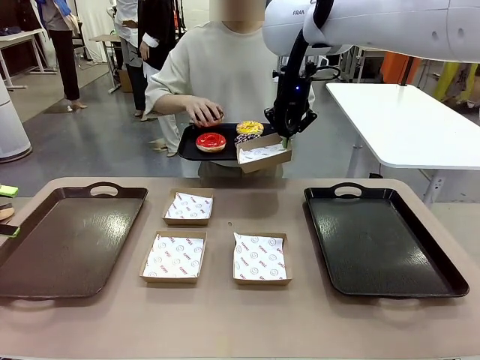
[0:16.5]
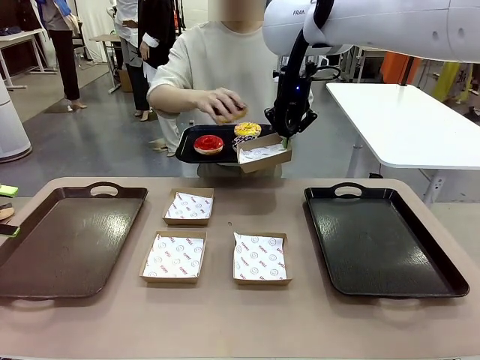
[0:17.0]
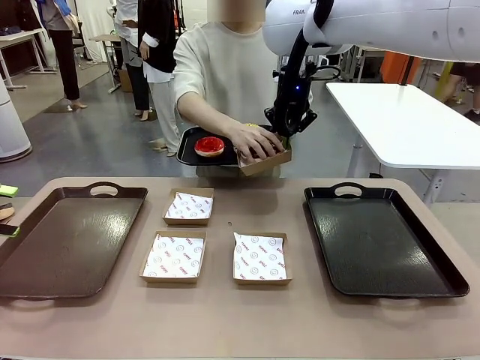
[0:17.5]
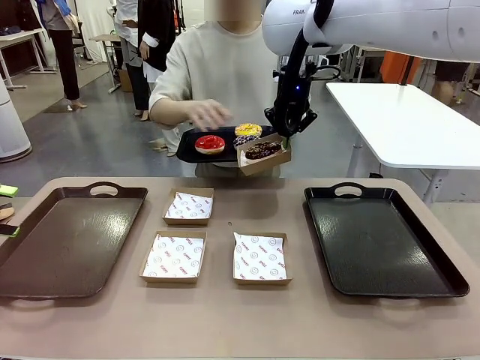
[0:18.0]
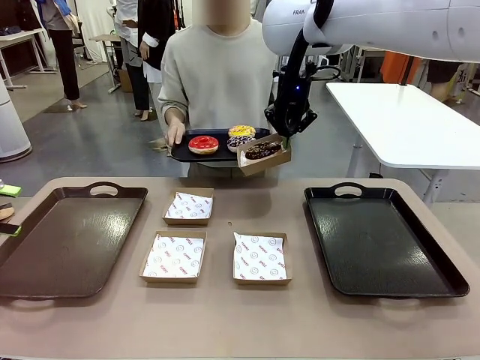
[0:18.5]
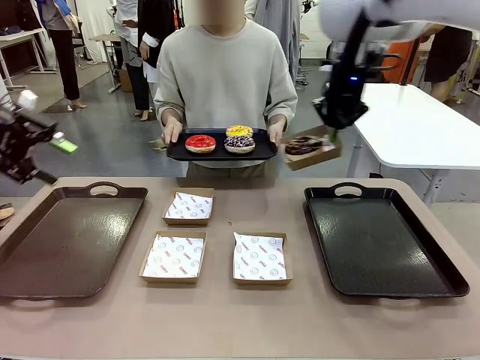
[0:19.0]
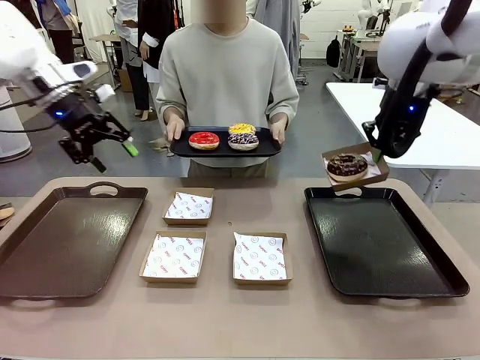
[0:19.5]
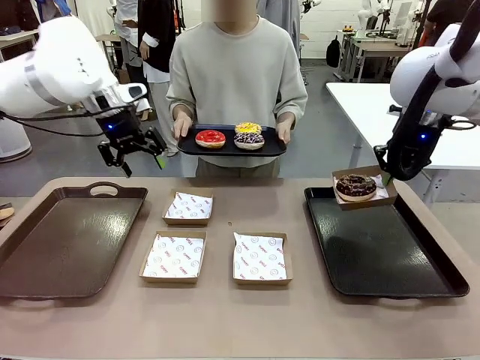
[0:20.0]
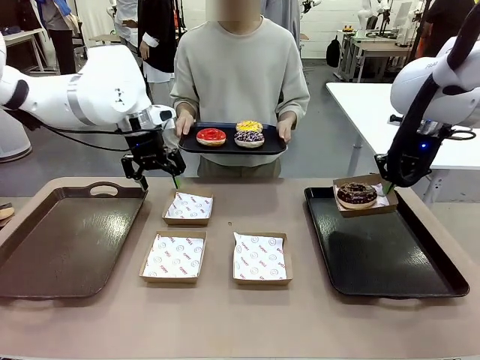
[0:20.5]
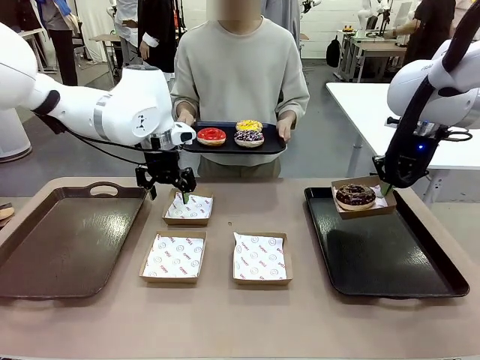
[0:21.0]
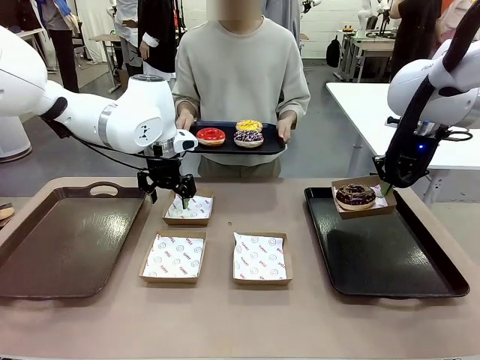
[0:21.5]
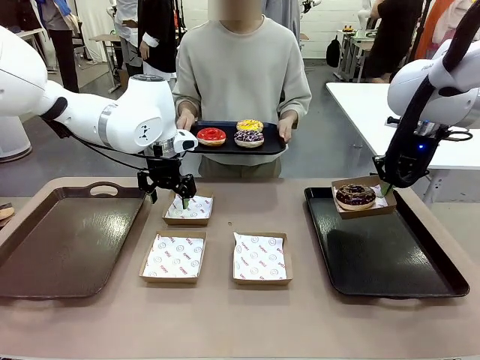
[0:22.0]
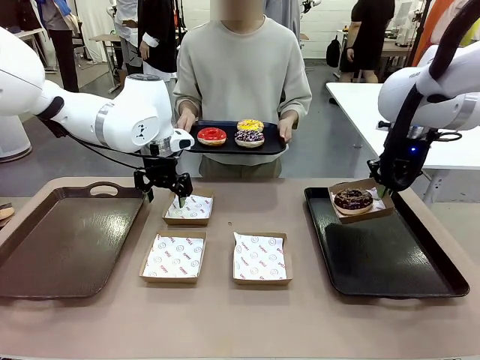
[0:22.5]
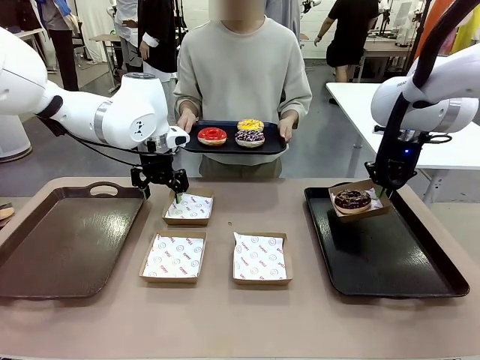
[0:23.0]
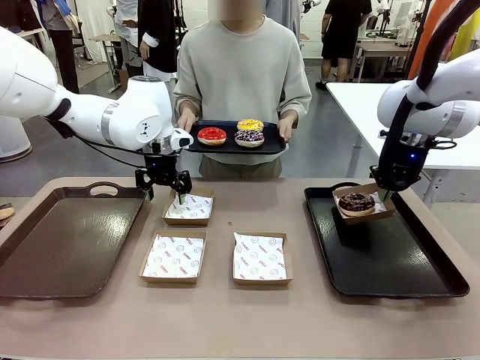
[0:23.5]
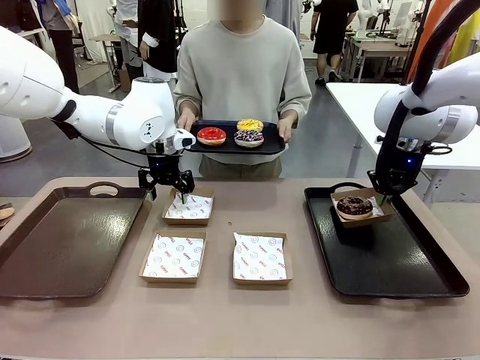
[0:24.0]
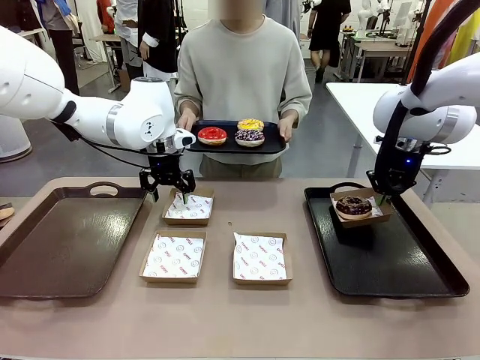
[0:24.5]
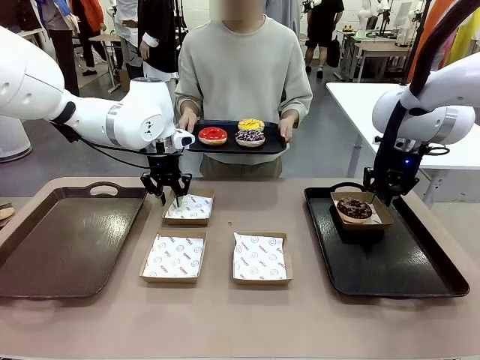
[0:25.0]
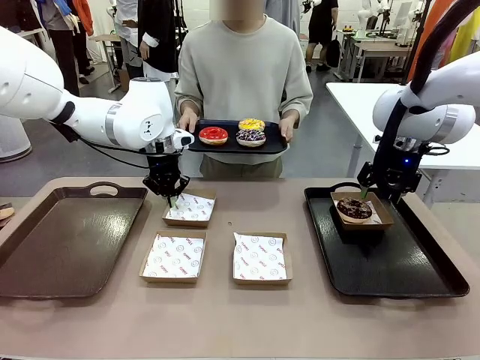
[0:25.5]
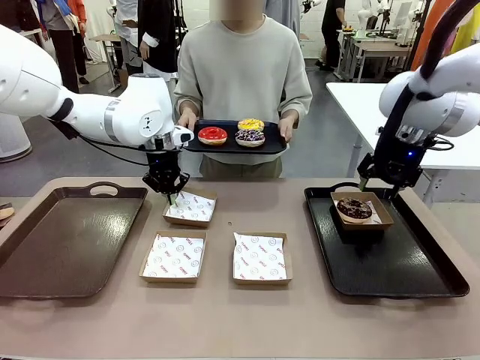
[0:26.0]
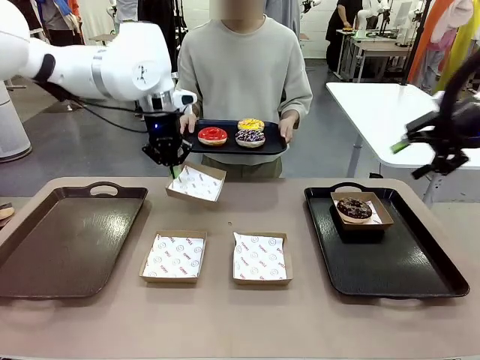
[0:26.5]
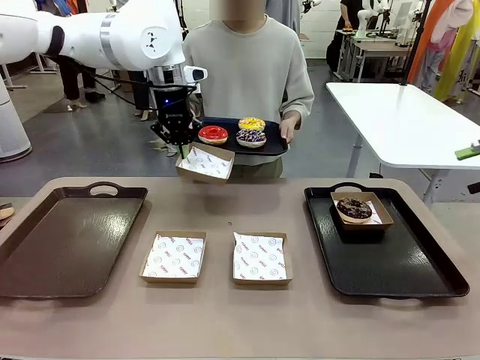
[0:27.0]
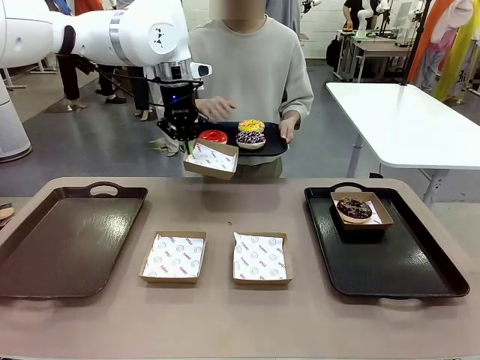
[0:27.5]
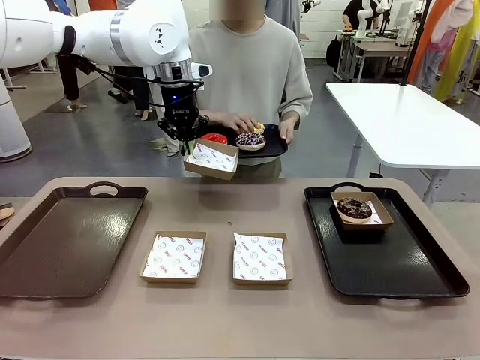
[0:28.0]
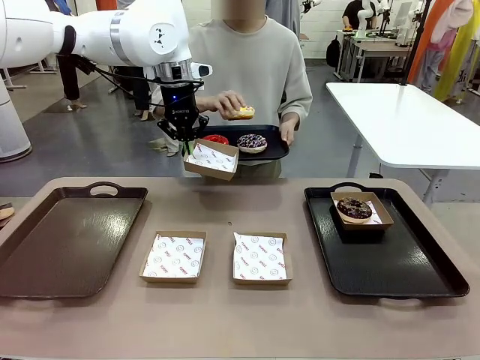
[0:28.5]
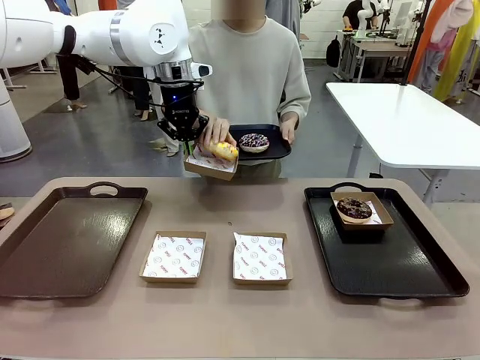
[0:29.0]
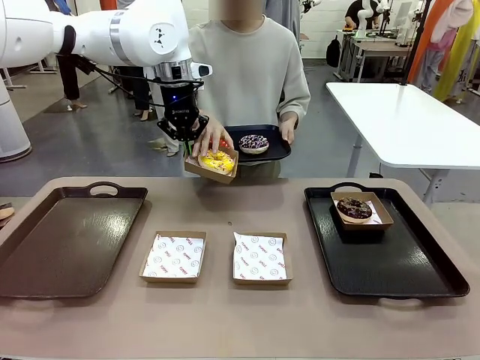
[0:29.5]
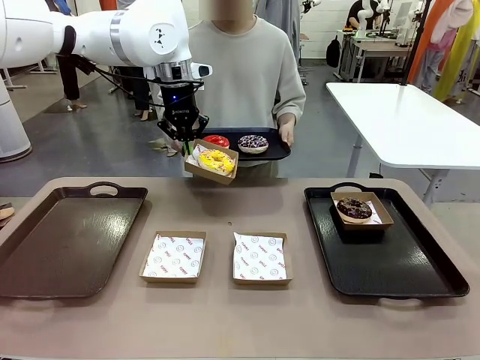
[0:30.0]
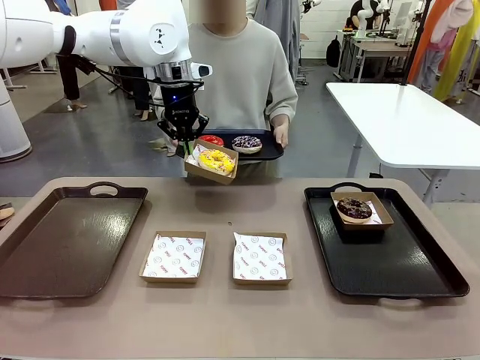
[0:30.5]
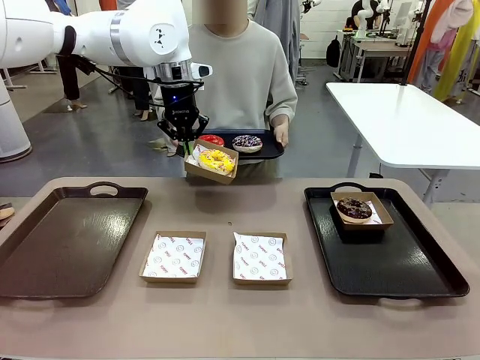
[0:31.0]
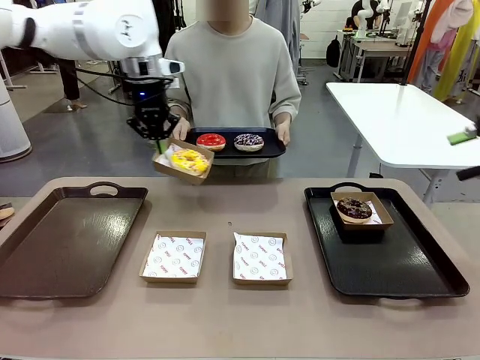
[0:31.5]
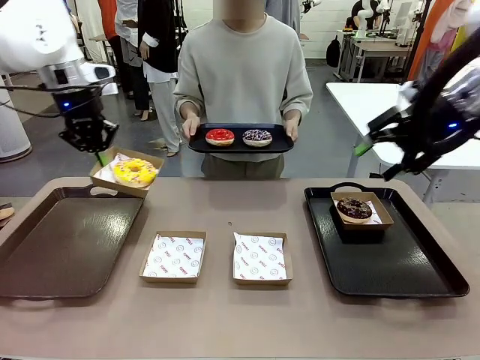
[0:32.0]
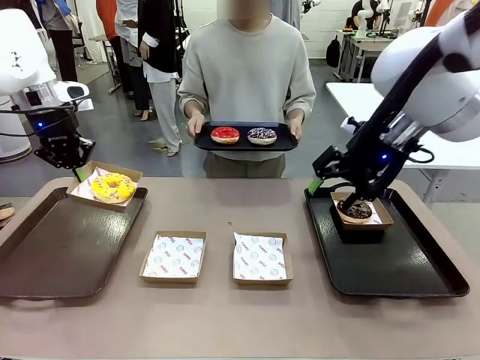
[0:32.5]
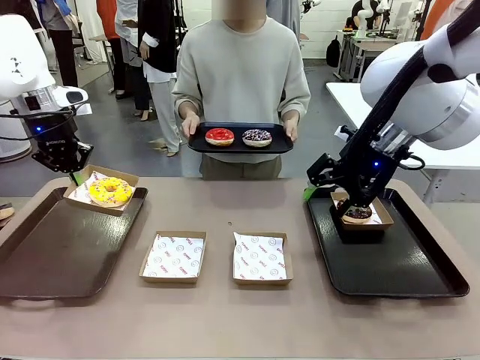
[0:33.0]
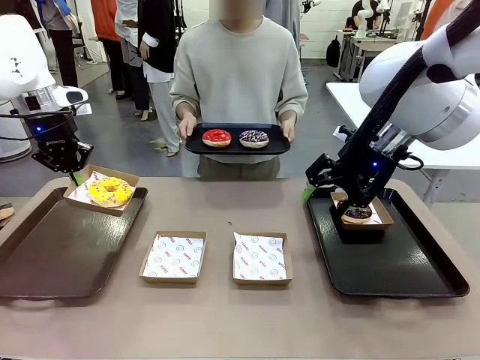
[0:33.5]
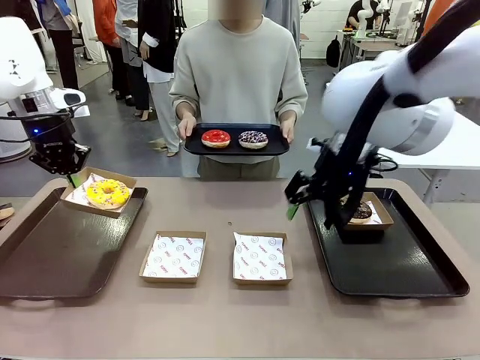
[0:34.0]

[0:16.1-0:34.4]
Task: Individually package the donuts and arrange them on the tray.
Robot: Place the picked Paper togo box on the Handle tray while simultaneously picking up another Paper togo box from the table with the other hand.

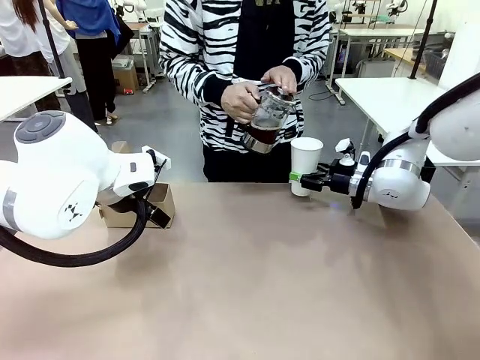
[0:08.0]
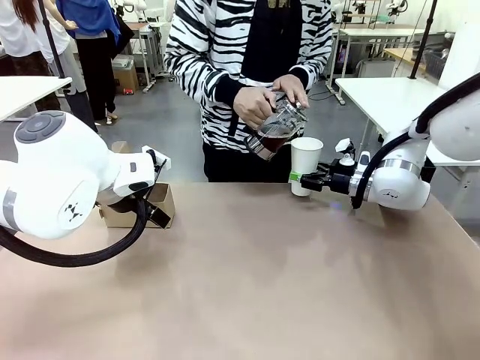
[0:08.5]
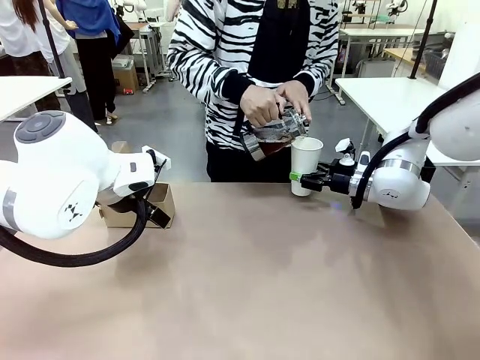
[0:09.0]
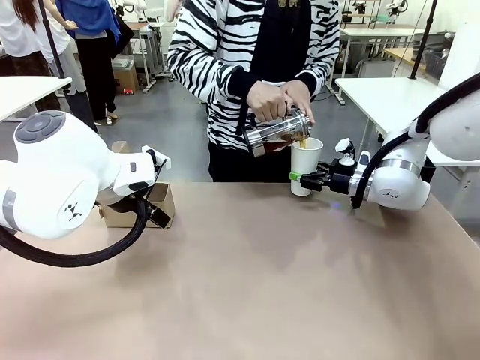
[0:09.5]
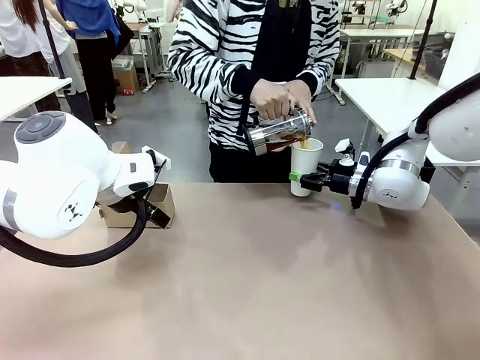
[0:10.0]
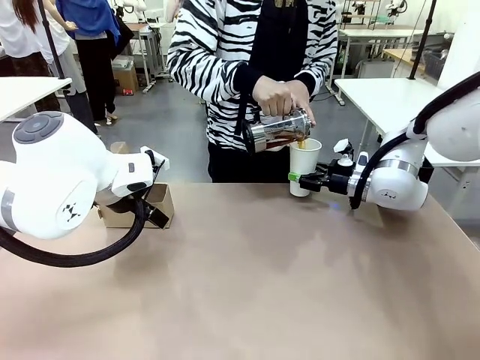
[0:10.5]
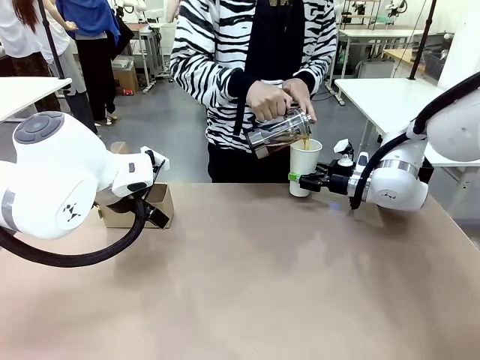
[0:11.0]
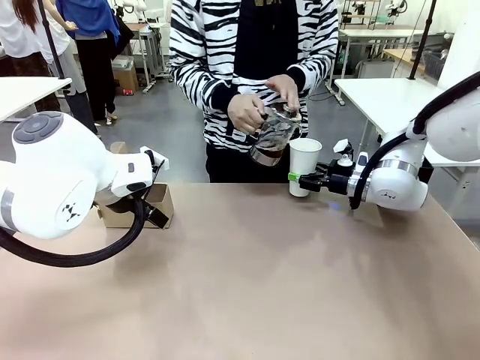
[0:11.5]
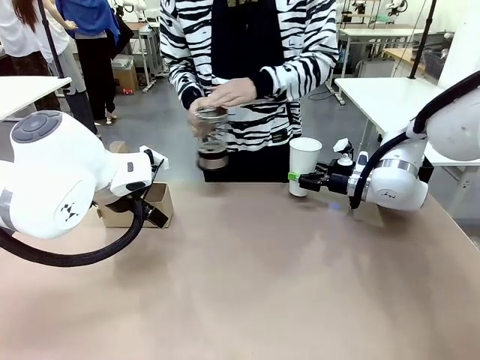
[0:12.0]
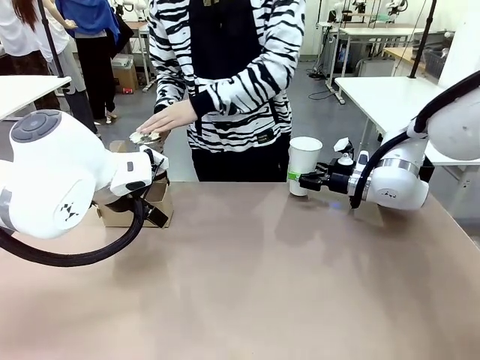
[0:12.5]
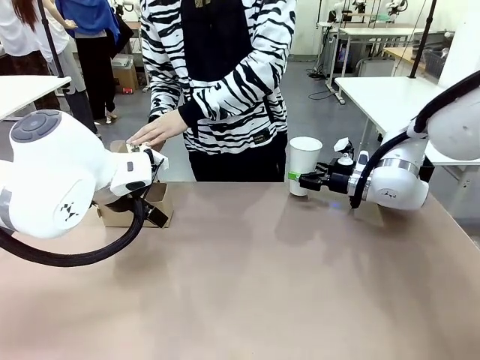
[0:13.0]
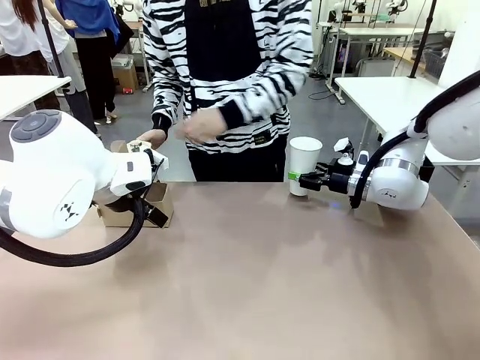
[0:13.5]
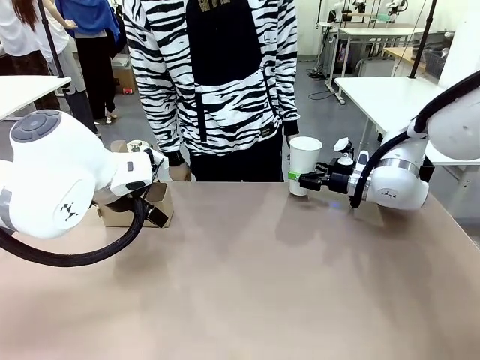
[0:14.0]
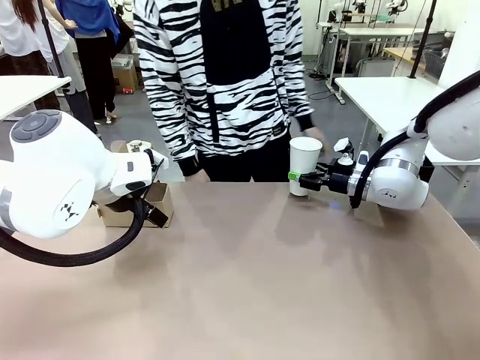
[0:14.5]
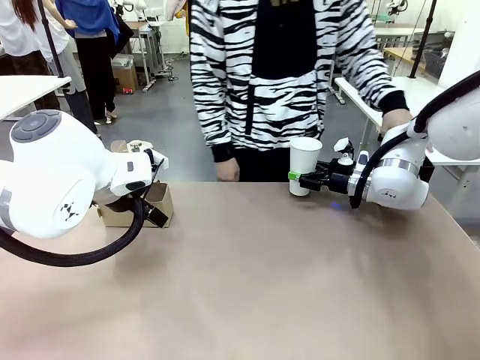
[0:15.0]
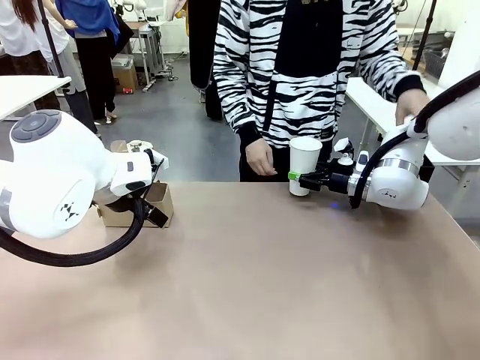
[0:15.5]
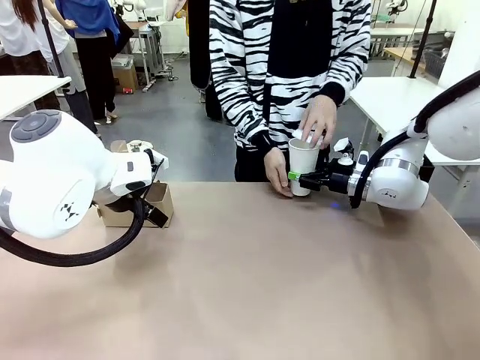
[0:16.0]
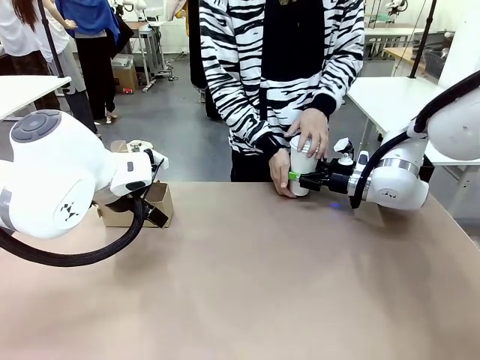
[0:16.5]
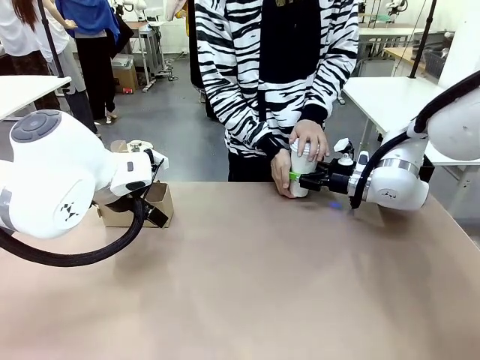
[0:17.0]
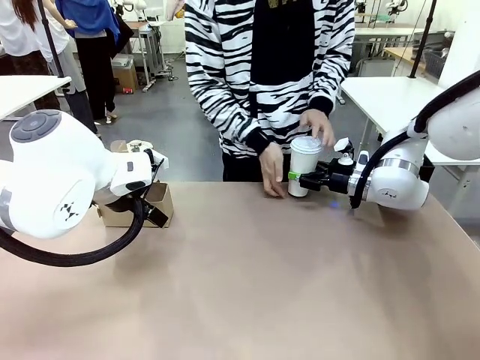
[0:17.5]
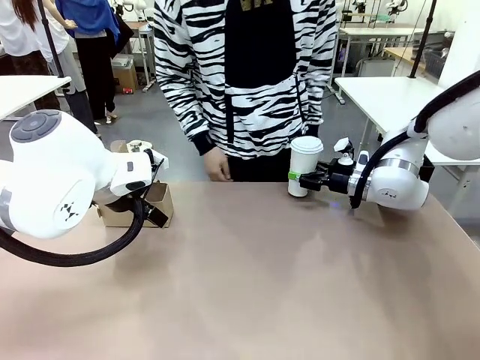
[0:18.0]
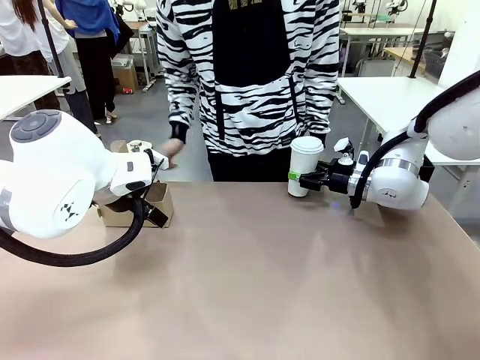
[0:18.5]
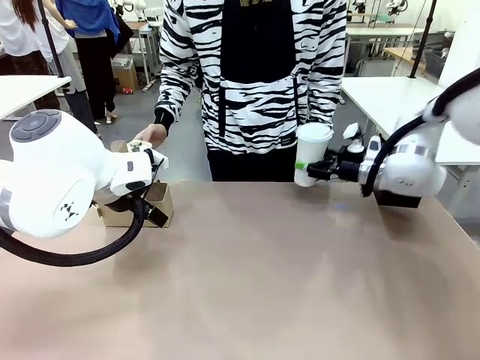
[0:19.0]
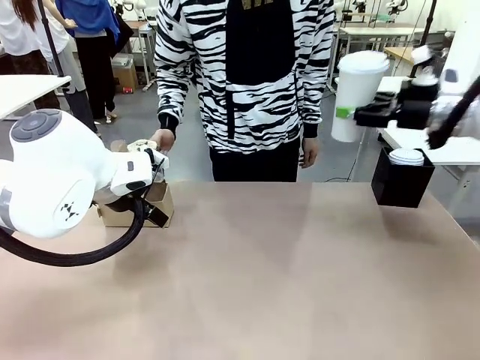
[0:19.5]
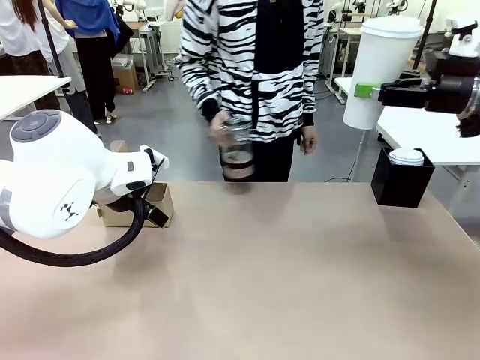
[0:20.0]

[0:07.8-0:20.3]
Task: Pour a drink into a cup and package it in a carrier.
Robot: When a person places the Paper Cup Lid on the 600 ml Paper Cup , lift the 600 ml Paper Cup.
Person: Pour the drink from the Filter Brewing into the 600 ml Paper Cup. Place a Paper Cup Lid on the 600 ml Paper Cup.
